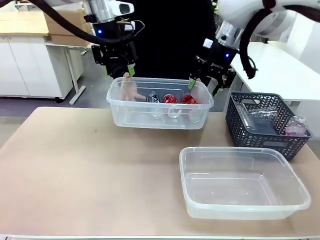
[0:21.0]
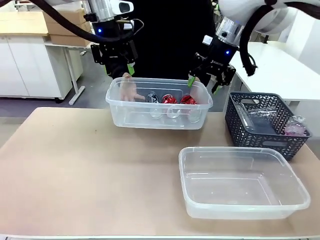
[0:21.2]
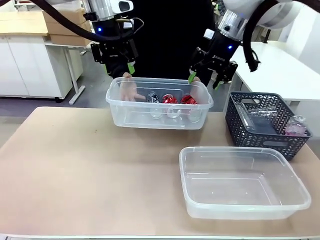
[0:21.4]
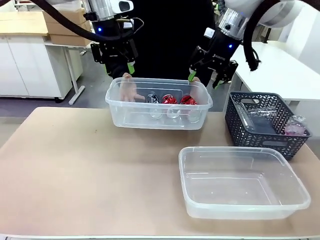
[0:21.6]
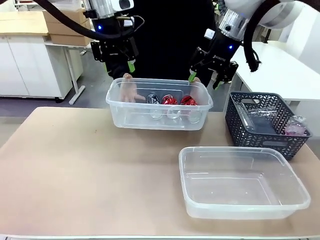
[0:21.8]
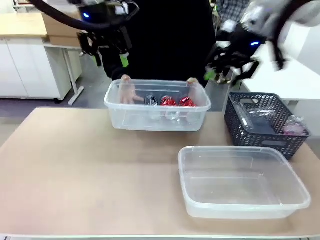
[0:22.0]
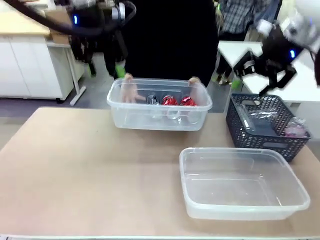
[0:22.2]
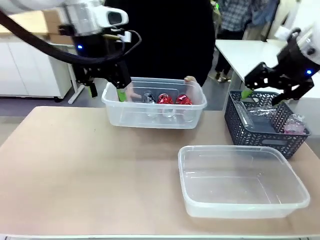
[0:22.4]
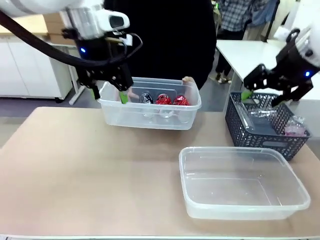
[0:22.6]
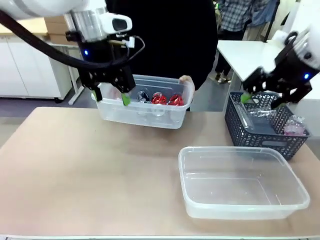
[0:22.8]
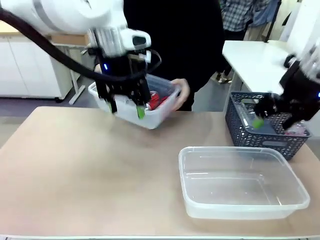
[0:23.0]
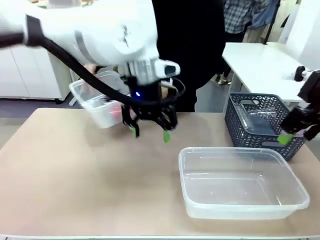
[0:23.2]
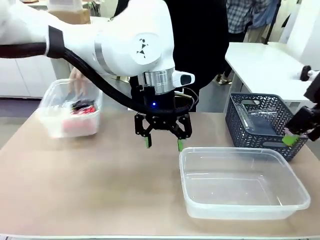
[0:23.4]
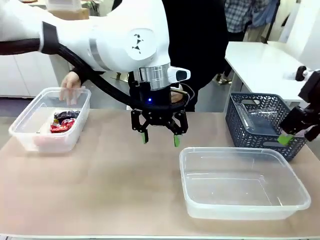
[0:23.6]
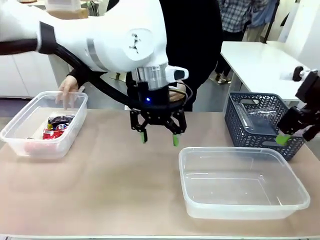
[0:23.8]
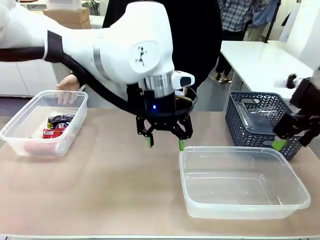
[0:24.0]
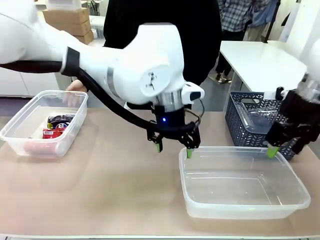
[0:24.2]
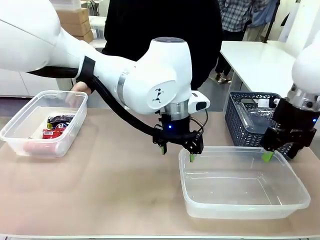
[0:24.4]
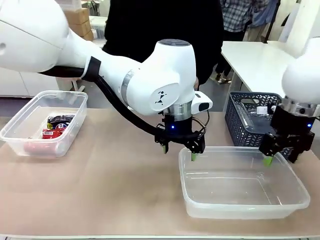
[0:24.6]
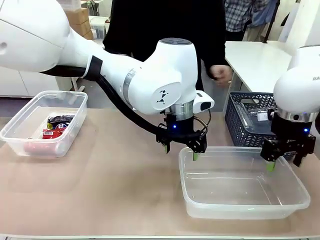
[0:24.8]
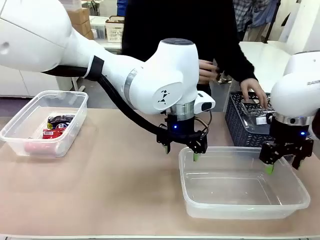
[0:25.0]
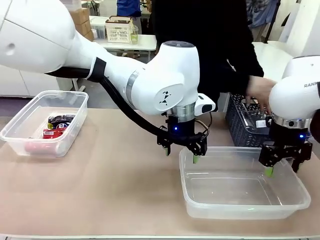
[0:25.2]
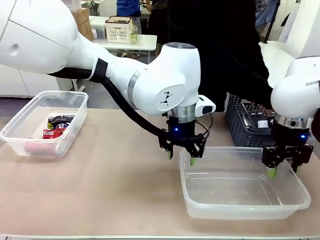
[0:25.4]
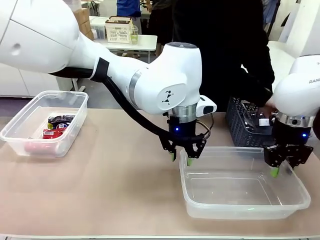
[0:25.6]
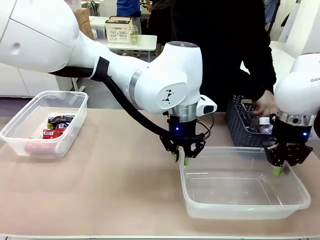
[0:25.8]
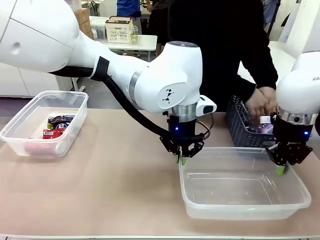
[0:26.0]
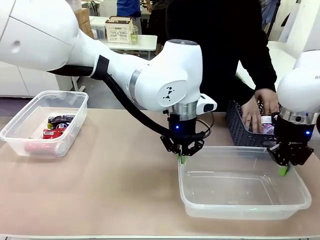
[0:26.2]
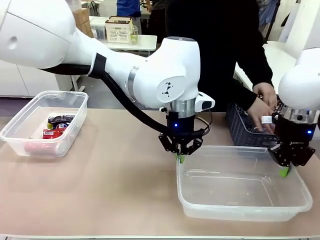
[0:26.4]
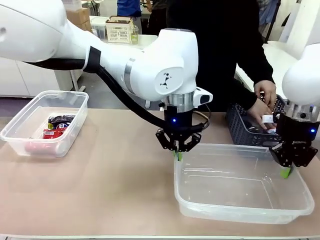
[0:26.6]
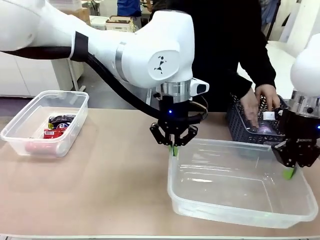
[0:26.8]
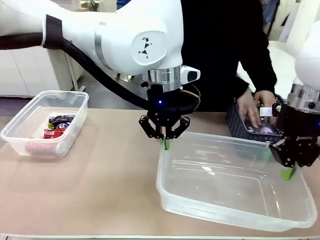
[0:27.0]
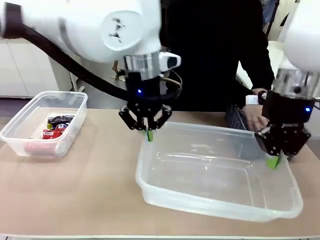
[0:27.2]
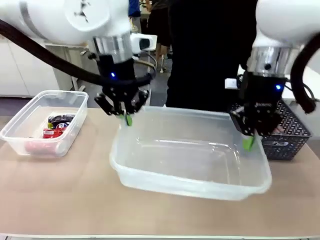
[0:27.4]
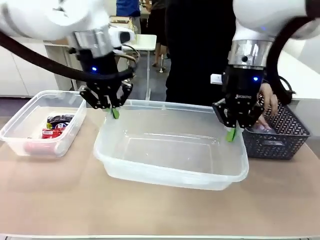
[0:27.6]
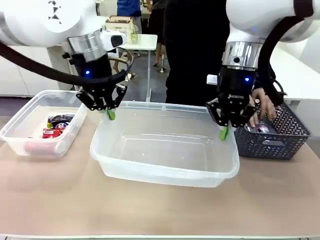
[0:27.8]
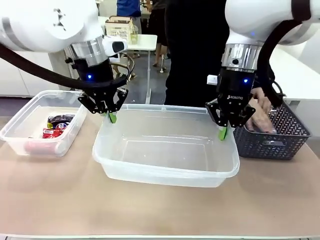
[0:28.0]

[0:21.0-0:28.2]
Robot: Pick up the Organizing box on the right side of the table and lift it.
Person: Place it at the edge of the bottom right area of the robot table.

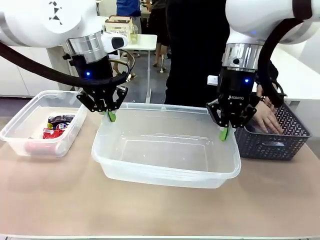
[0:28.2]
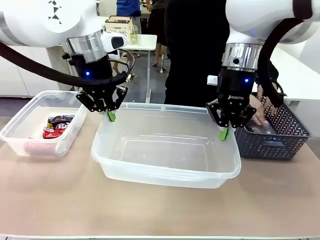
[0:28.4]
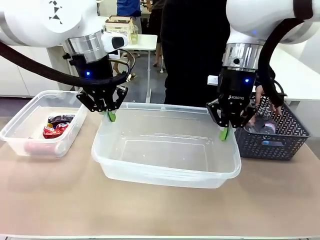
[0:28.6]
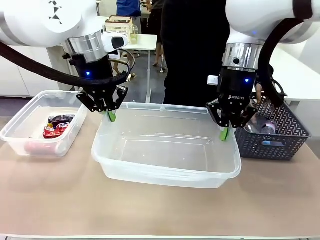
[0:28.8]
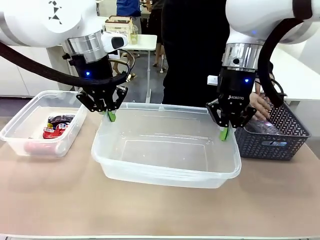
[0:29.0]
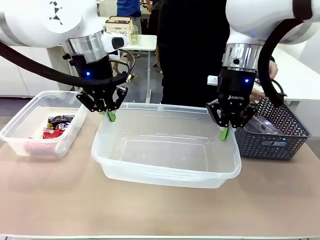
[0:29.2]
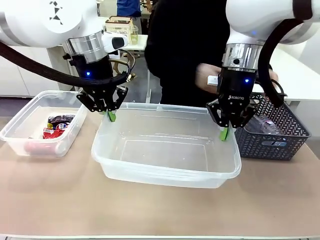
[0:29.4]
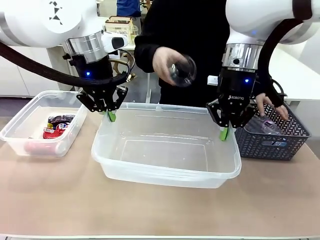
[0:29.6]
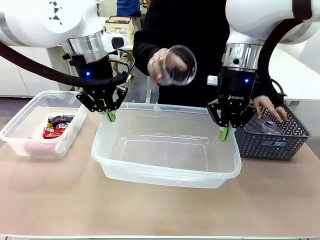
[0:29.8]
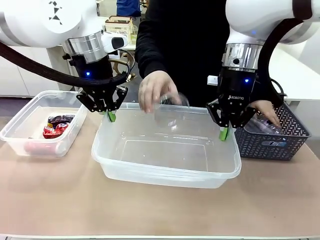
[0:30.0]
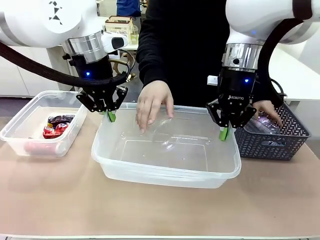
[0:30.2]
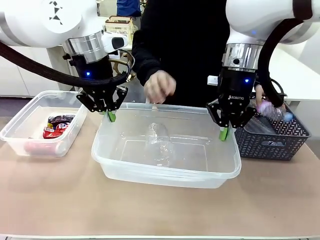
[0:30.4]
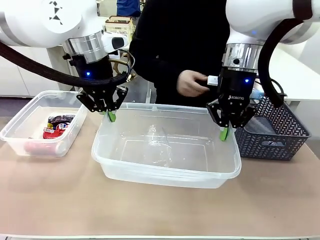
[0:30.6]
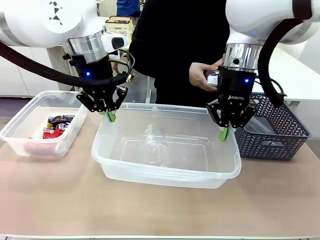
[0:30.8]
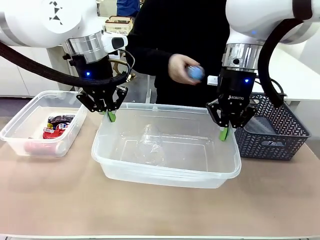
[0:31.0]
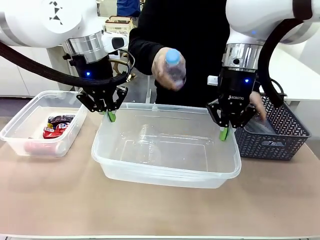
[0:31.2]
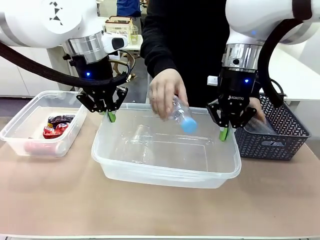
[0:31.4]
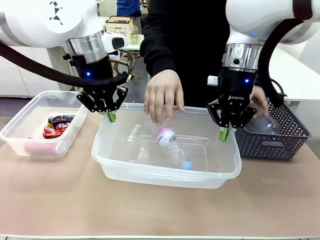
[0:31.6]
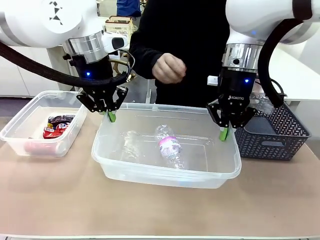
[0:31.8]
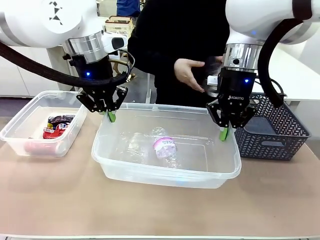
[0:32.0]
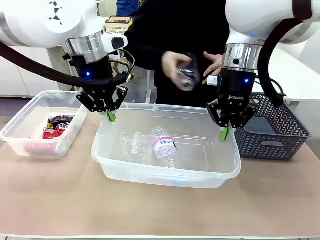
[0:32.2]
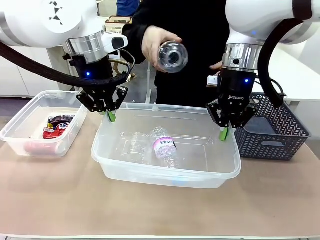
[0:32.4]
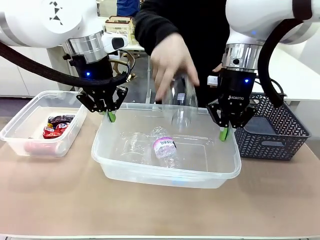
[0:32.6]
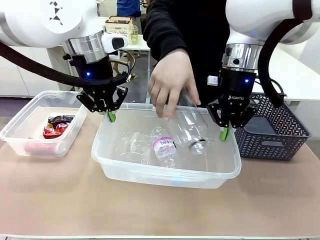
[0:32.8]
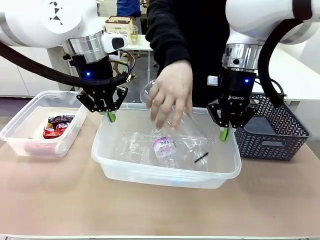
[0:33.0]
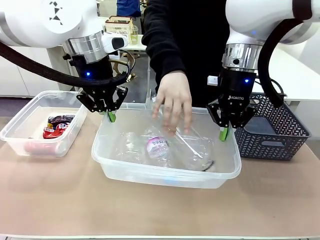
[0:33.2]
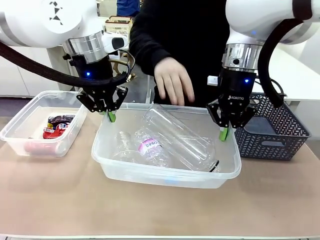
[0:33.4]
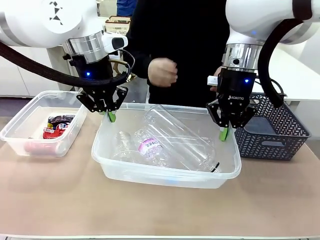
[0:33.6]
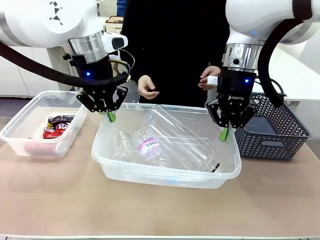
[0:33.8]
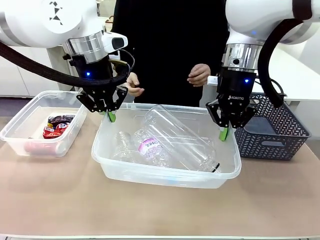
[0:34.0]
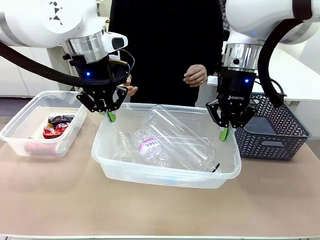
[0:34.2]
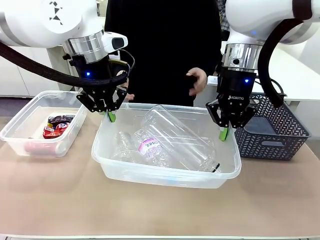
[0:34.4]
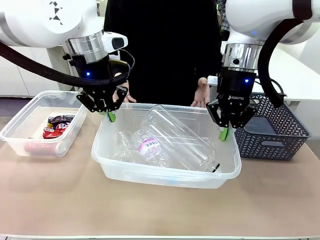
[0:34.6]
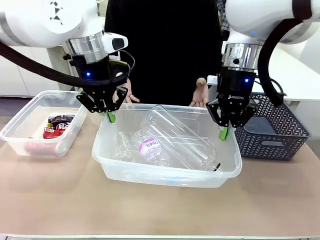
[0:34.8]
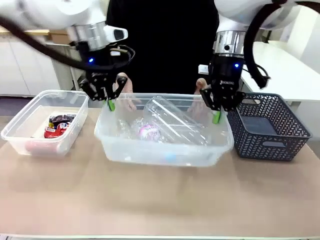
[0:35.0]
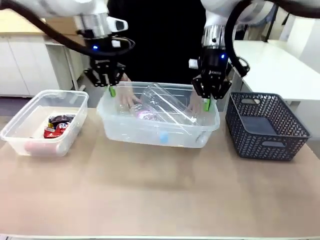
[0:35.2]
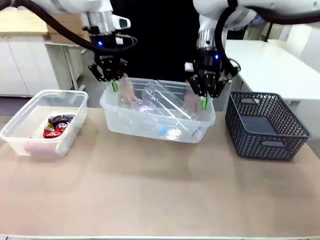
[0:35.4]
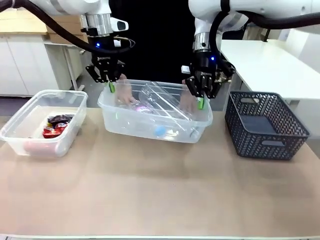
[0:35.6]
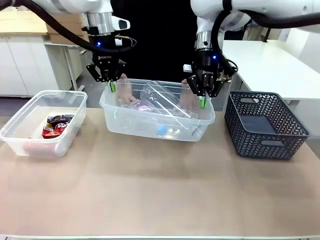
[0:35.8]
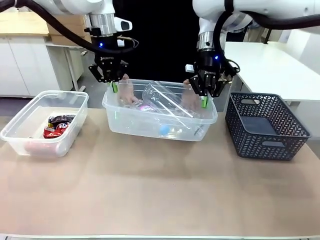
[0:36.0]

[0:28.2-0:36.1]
Robot: Offer the picked Organizing box to the human.
Person: Pick up plastic waste one by one and place it into the organizing box lifted by the robot.

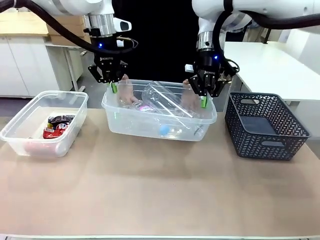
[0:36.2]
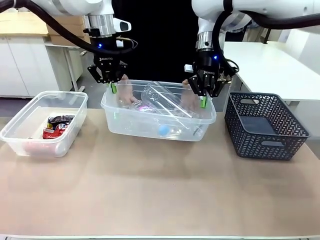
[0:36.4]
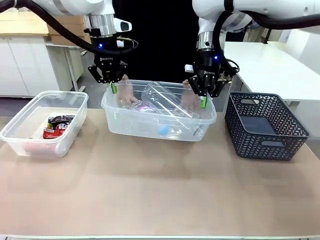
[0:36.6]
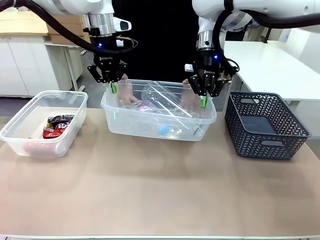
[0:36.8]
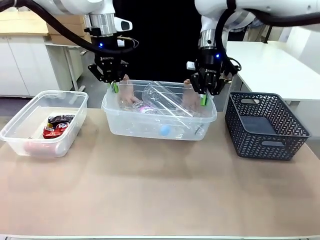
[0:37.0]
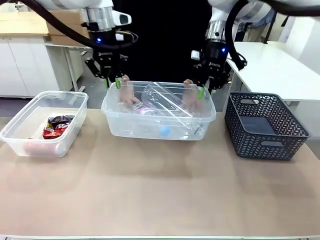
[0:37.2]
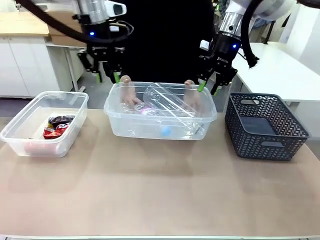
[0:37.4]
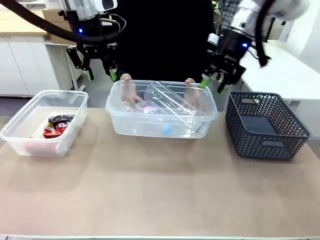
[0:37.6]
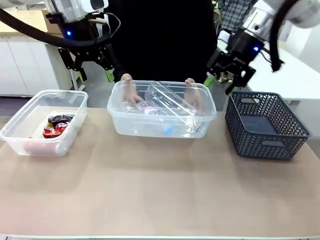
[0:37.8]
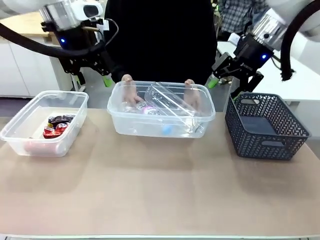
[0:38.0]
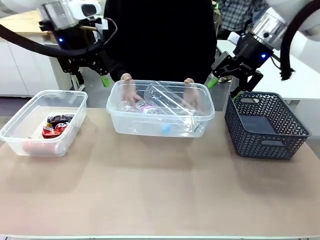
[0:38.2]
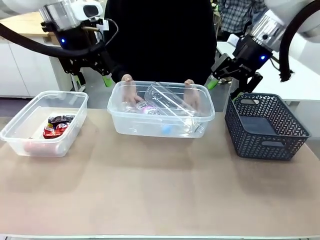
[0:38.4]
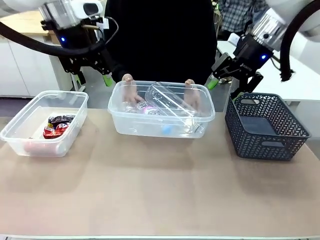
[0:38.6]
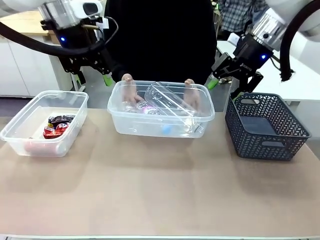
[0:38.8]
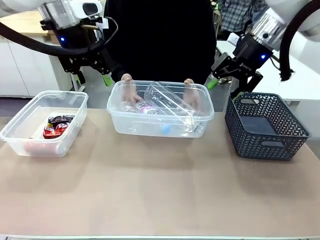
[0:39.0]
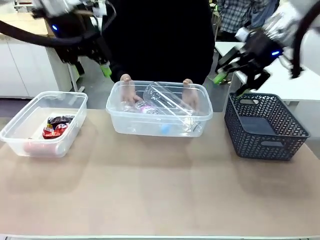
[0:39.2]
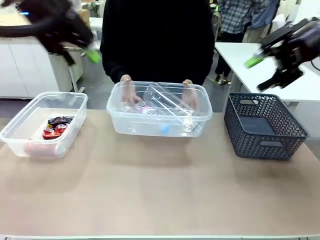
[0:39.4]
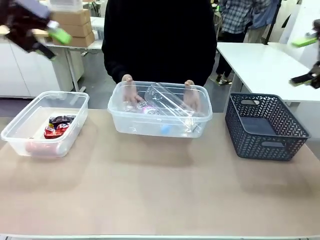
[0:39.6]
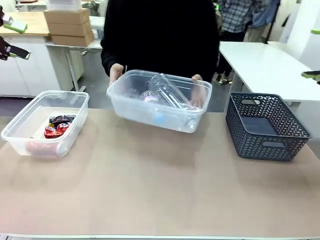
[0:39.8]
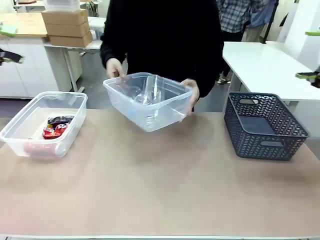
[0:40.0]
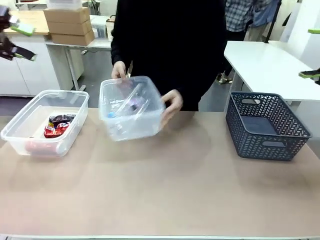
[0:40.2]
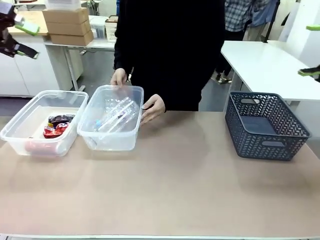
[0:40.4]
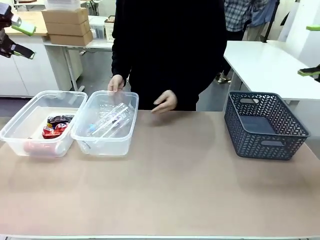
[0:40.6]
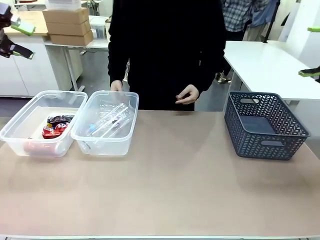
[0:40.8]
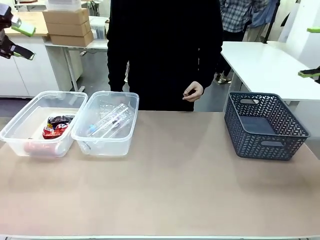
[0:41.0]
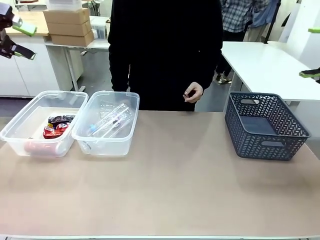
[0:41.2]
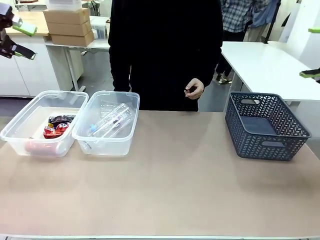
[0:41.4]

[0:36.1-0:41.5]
Robot: Release the Organizing box you were holding.
Person: Pick up the organizing box extended by the robot. Place the organizing box to the left of the sorting box containing the can waste.
